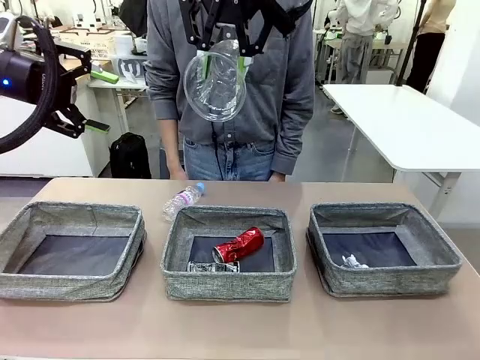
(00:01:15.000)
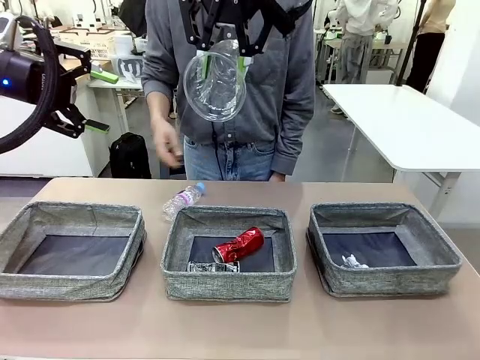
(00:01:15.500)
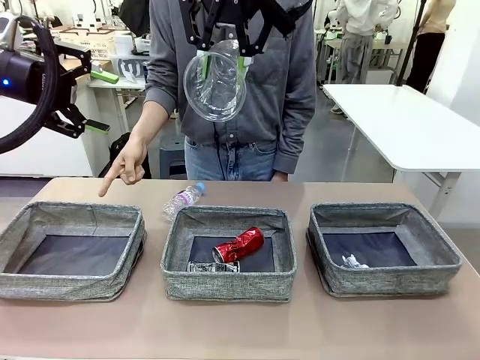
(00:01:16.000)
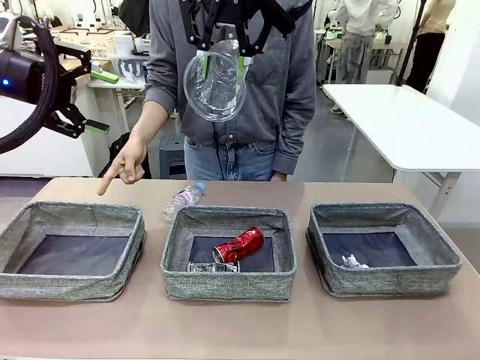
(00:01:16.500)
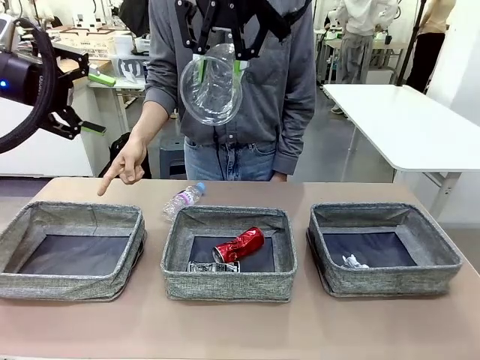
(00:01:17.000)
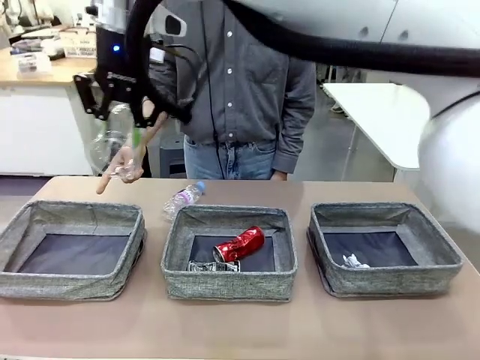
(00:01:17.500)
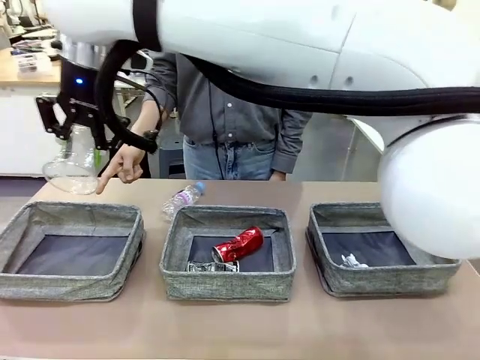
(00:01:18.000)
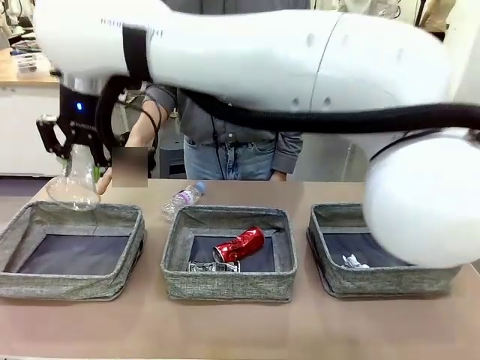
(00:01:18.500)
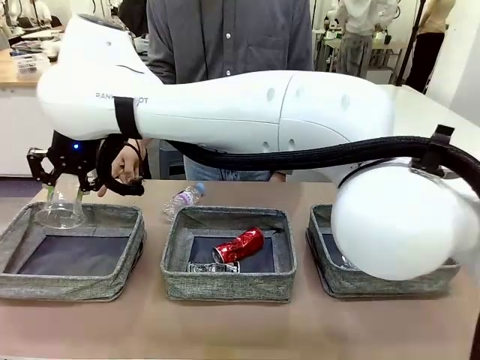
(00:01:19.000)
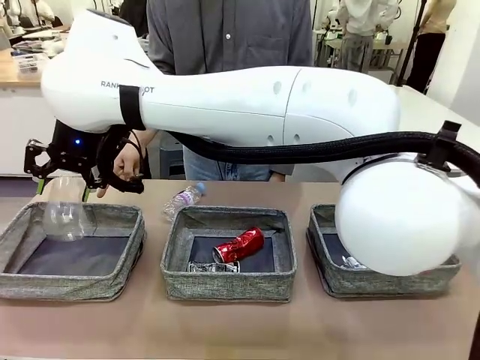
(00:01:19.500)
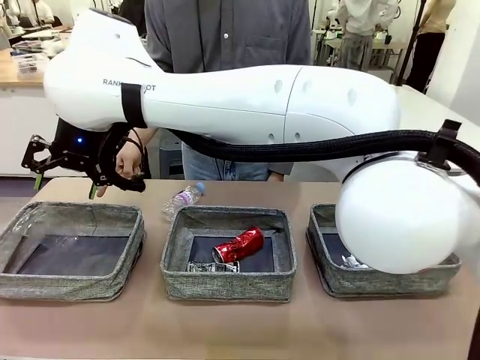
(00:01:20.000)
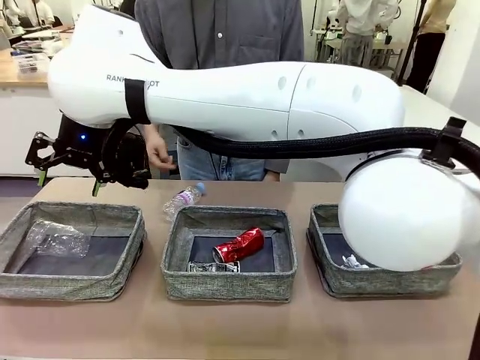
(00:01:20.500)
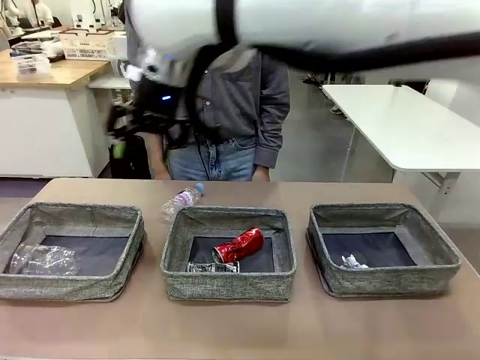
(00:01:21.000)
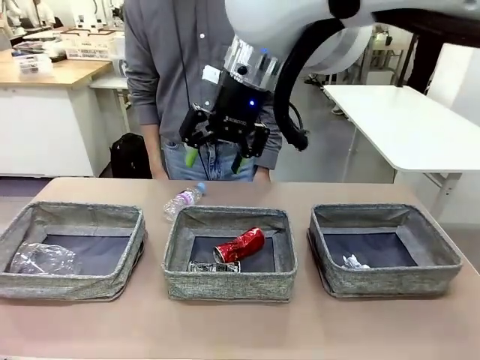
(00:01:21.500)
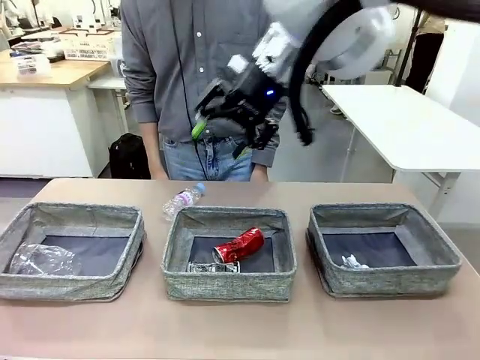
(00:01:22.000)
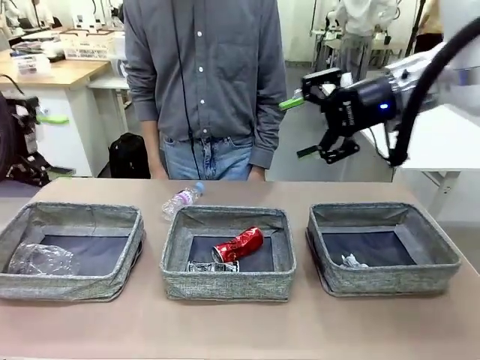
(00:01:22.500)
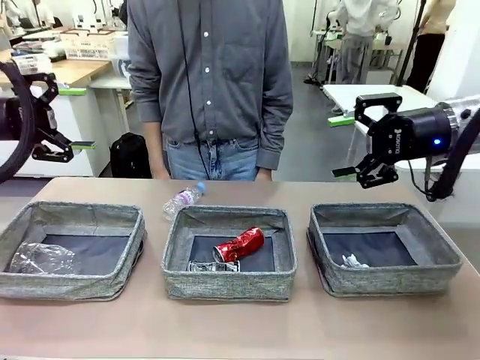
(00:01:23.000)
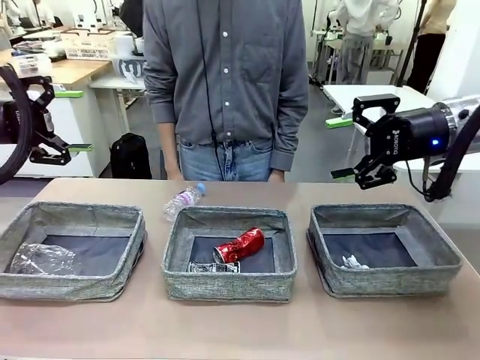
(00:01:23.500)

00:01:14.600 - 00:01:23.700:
Task: Sort the waste into the appropriate baskets.
Robot: Place the picked waste into the Fabric basket indicated by the person.
Person: Instructs the robot to place the picked-up trash into the appropriate organizing basket.

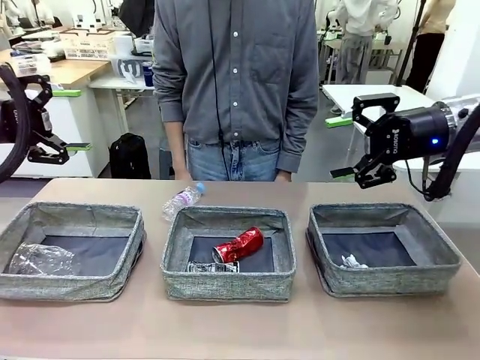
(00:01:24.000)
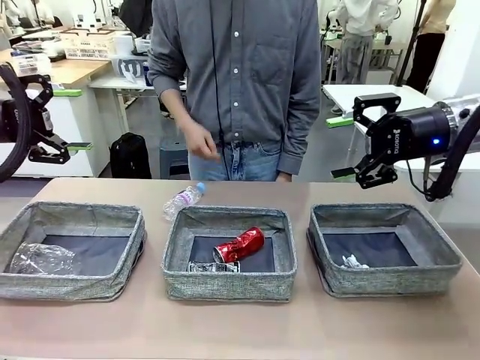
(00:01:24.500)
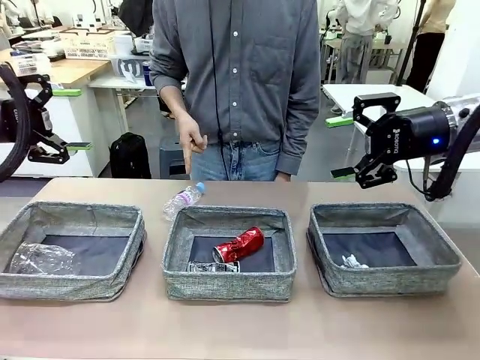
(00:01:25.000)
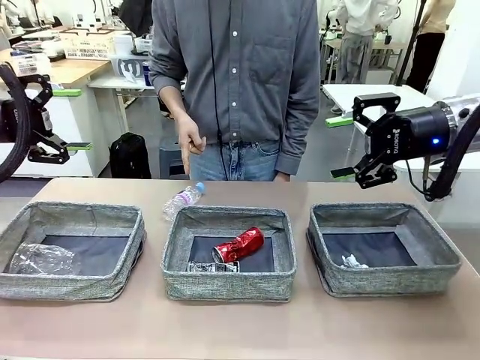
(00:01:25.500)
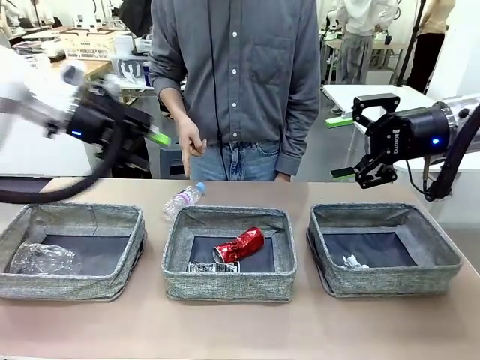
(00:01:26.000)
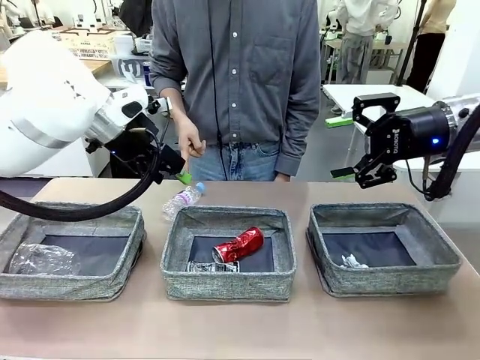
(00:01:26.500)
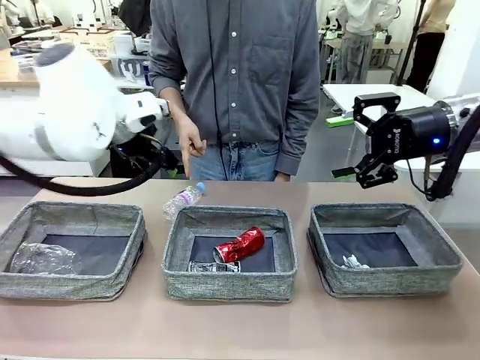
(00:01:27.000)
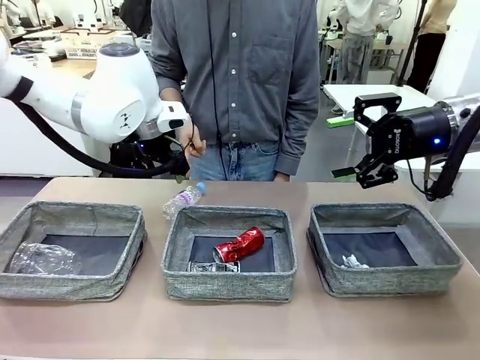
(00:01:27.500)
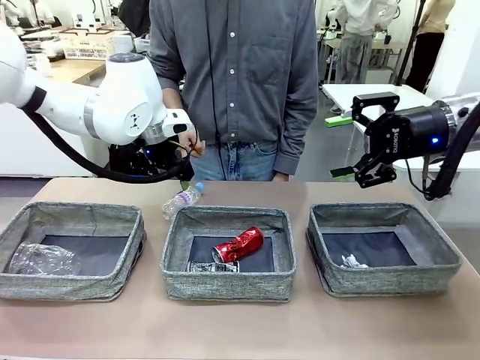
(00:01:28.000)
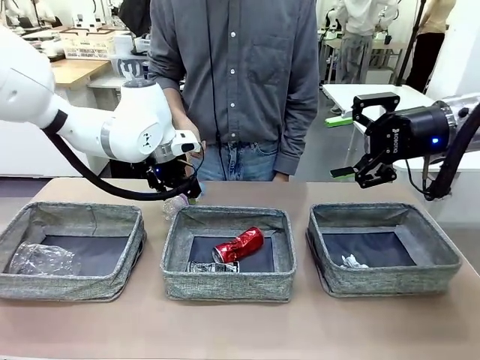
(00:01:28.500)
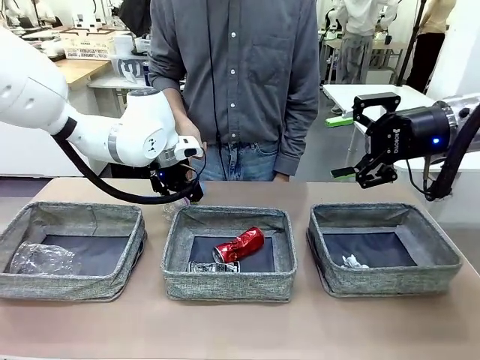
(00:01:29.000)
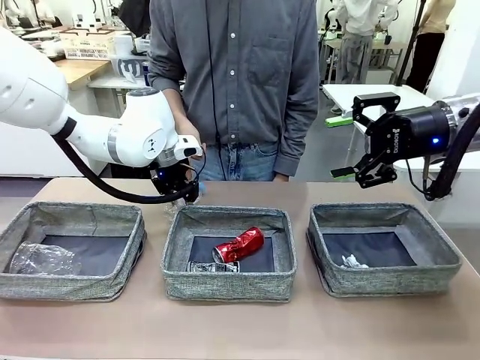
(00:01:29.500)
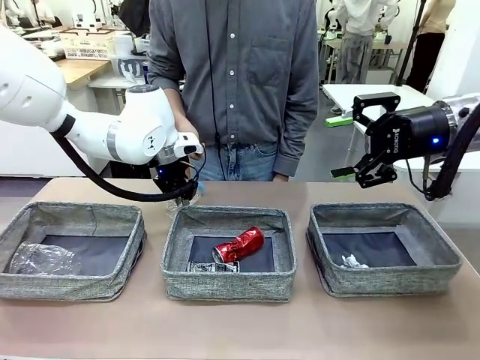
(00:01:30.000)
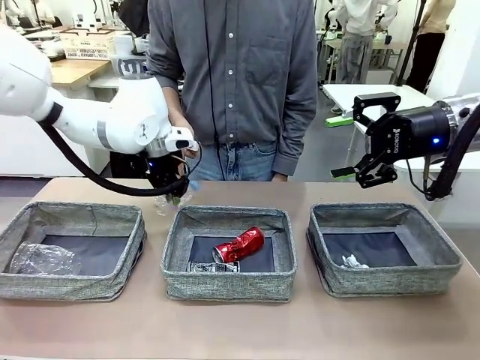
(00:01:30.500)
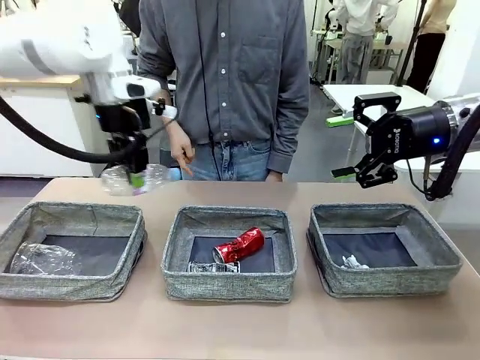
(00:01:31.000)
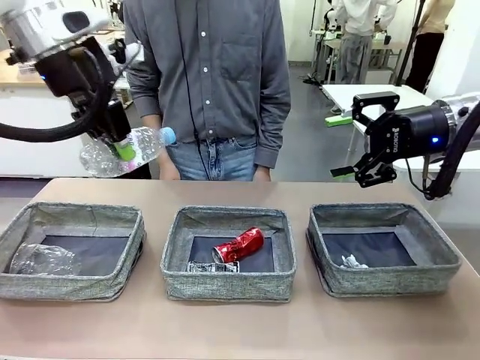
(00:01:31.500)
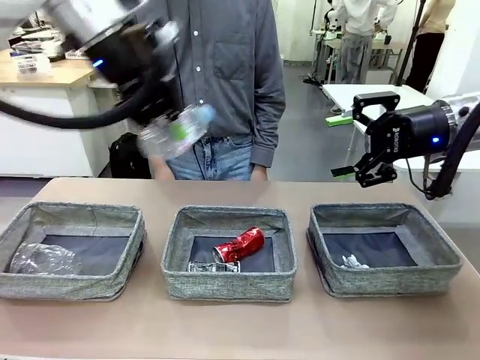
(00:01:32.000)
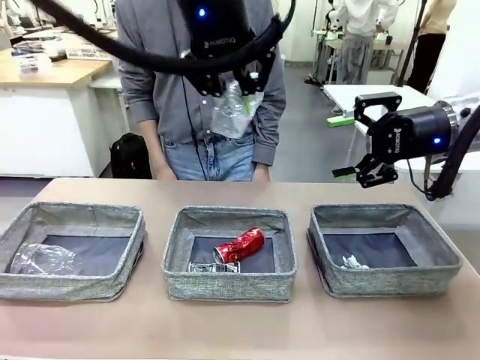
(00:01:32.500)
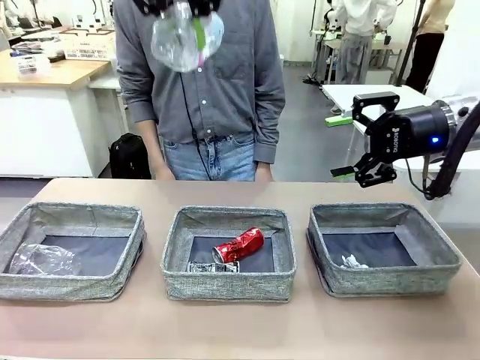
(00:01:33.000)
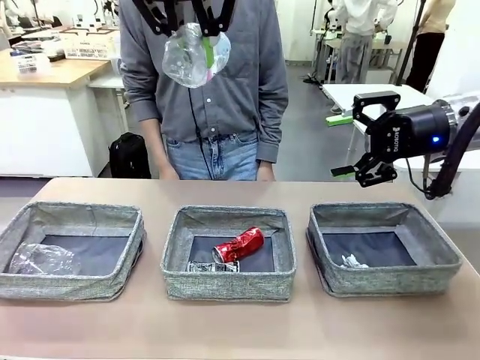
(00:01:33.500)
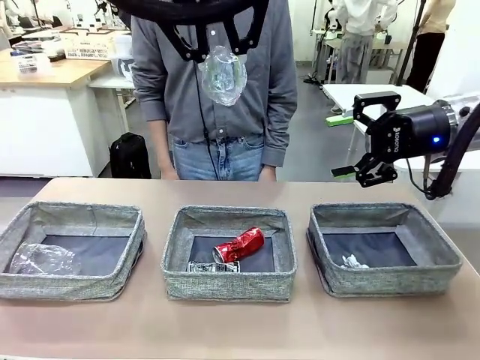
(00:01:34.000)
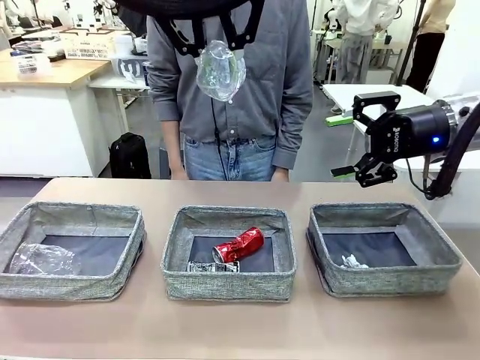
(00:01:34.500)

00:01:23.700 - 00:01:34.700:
Robot: Pick up the waste item pointed out by the person.
Person: Points to one piece of trash on the table.

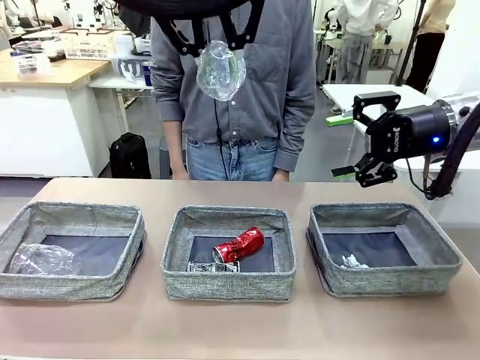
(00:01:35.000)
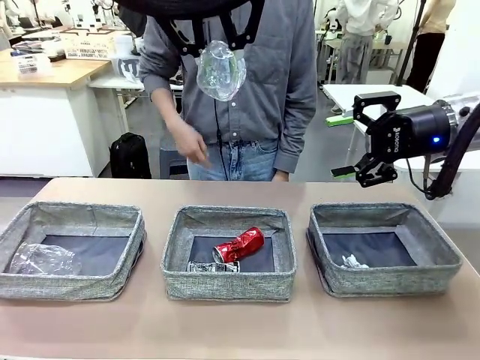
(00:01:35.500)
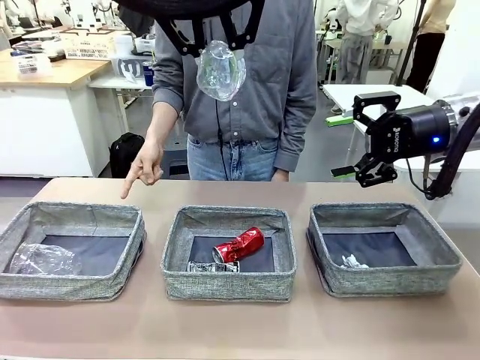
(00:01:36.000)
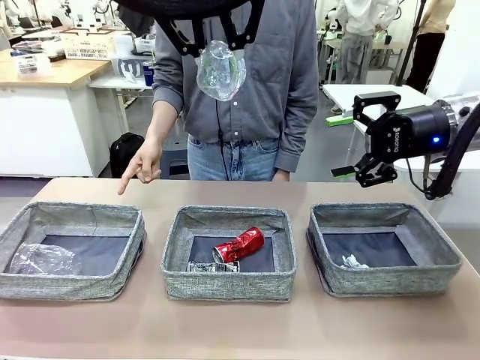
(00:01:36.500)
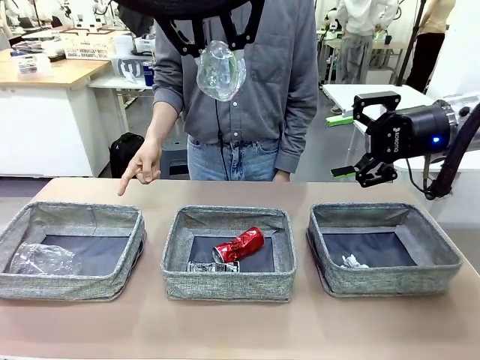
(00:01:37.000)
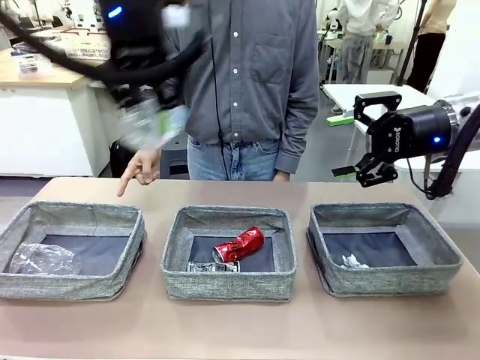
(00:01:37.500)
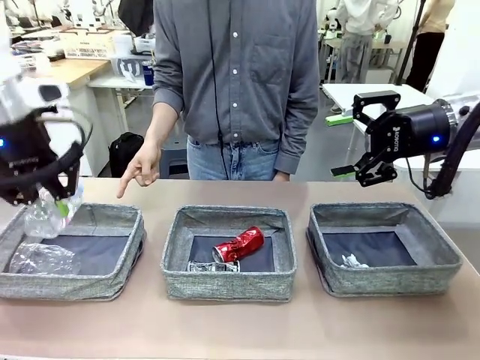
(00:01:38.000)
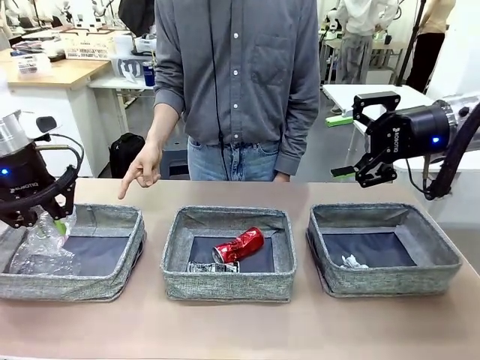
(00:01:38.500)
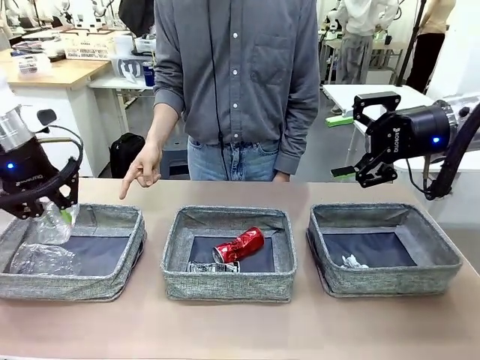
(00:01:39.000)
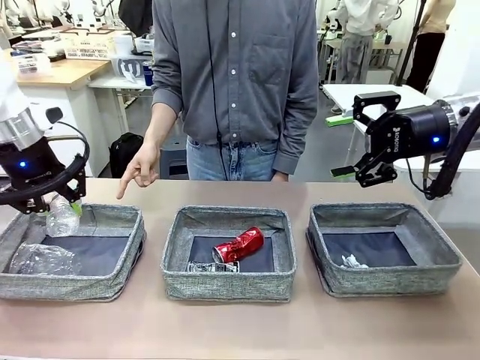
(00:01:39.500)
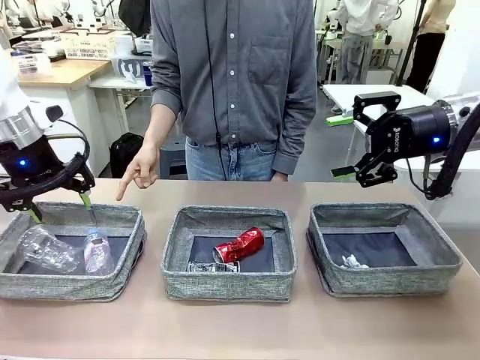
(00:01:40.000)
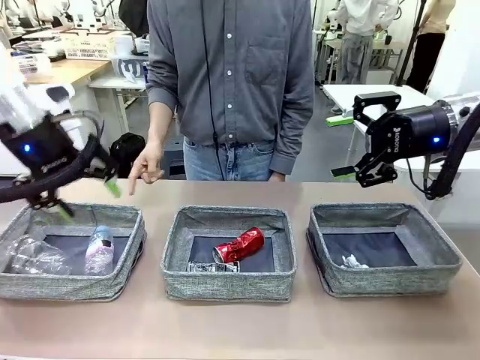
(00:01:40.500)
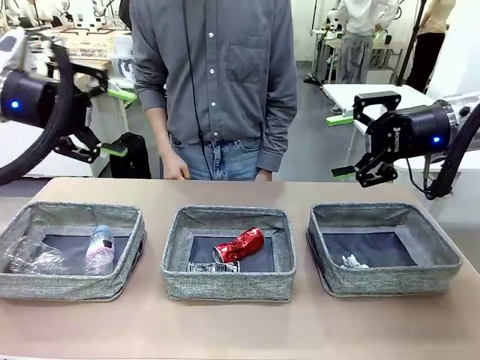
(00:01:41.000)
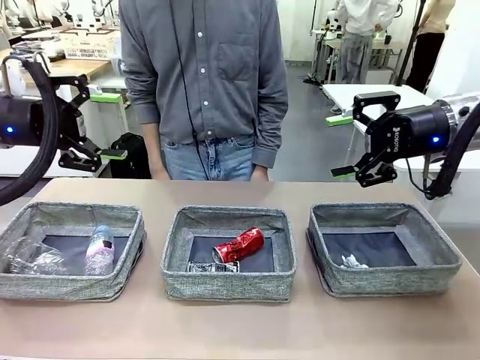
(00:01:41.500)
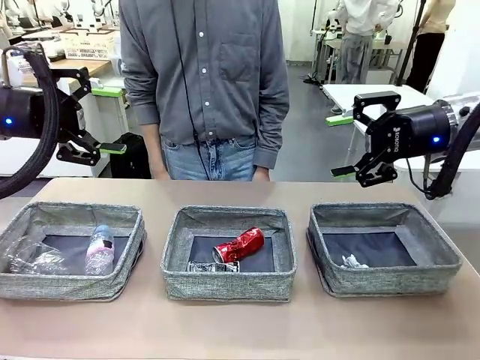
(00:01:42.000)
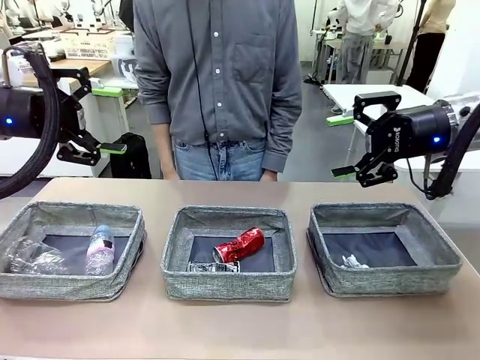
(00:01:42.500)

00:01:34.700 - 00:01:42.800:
Robot: Place the picked waste into the Fabric basket indicated by the person.
Person: Instructs the robot to place the picked-up trash into the appropriate organizing basket.
